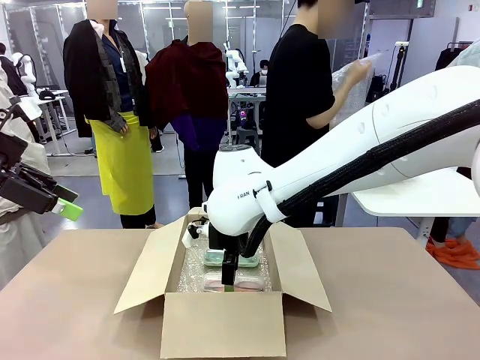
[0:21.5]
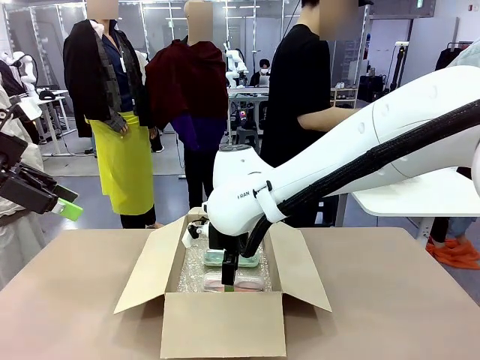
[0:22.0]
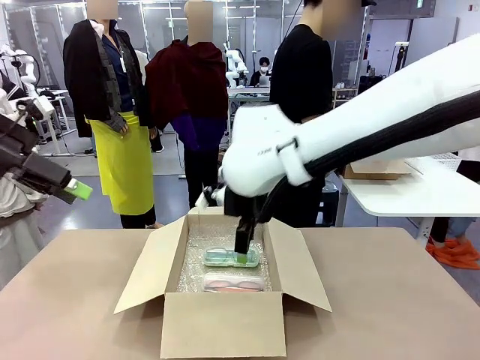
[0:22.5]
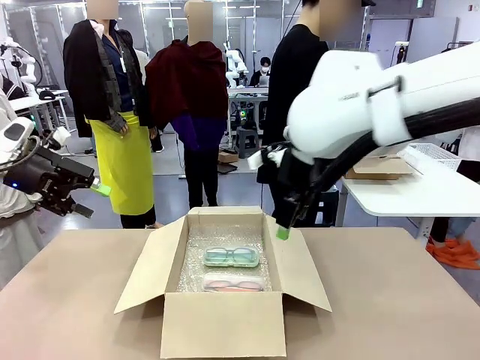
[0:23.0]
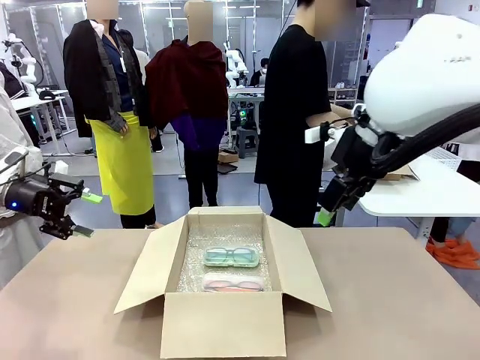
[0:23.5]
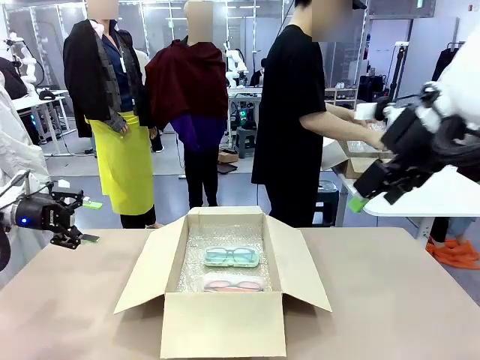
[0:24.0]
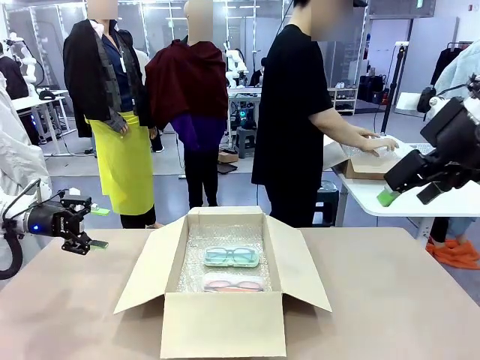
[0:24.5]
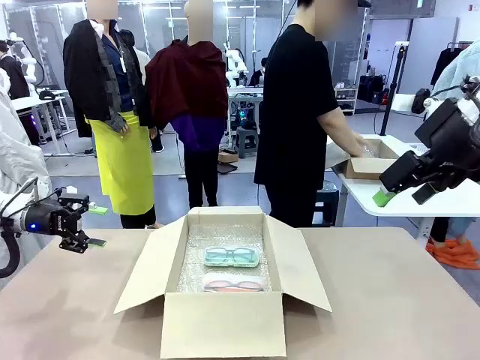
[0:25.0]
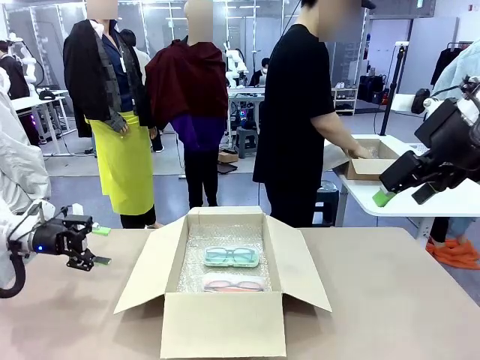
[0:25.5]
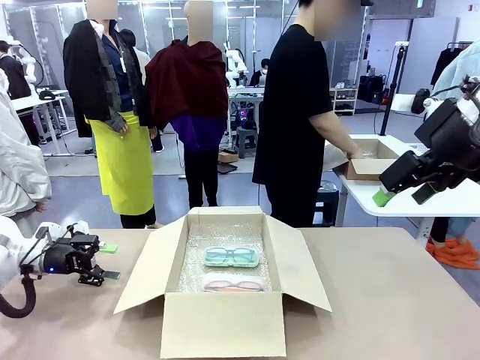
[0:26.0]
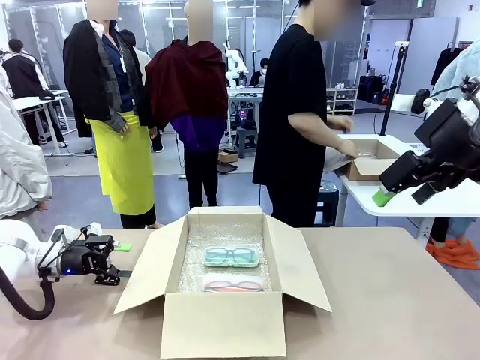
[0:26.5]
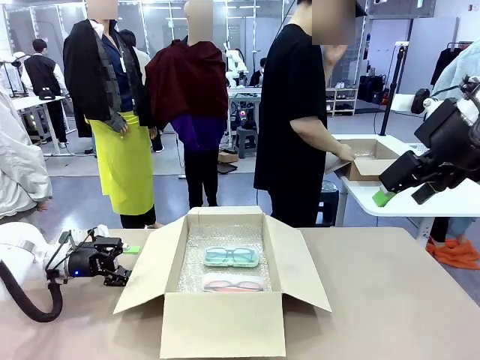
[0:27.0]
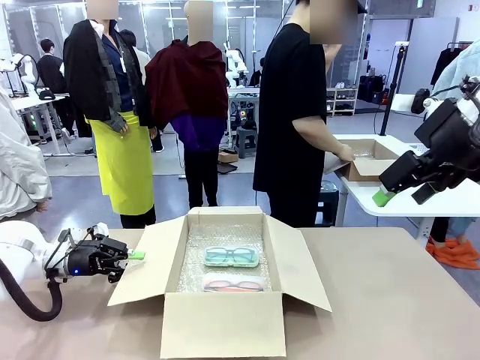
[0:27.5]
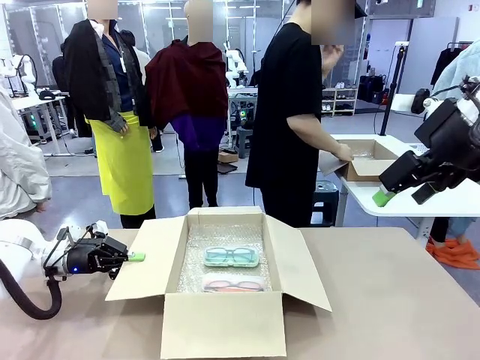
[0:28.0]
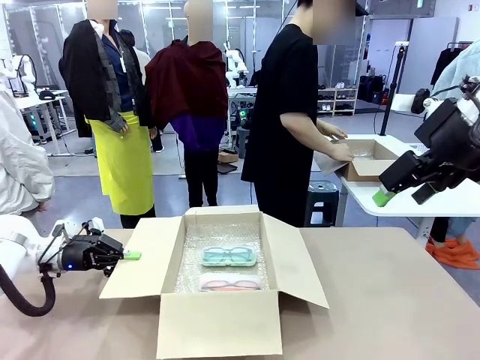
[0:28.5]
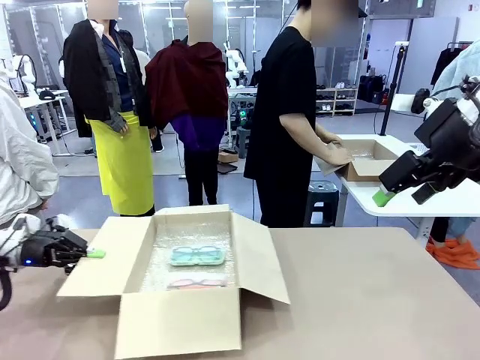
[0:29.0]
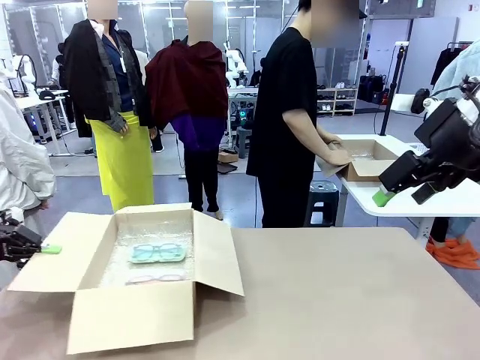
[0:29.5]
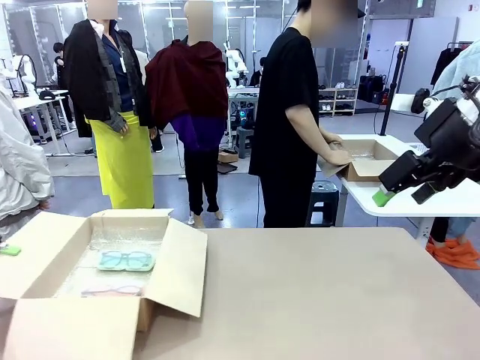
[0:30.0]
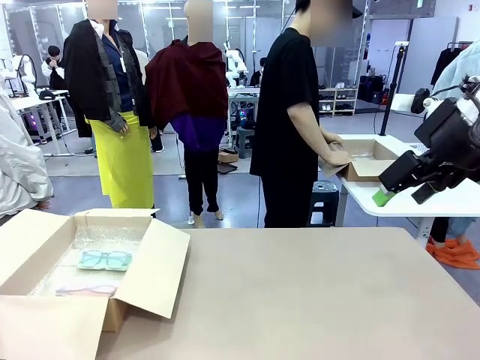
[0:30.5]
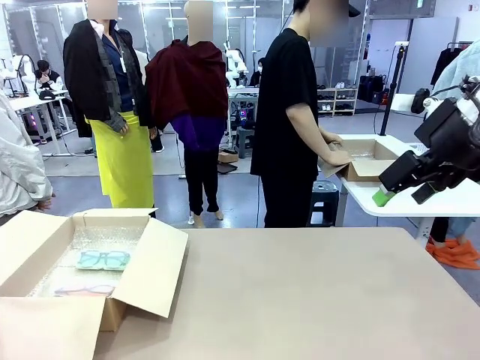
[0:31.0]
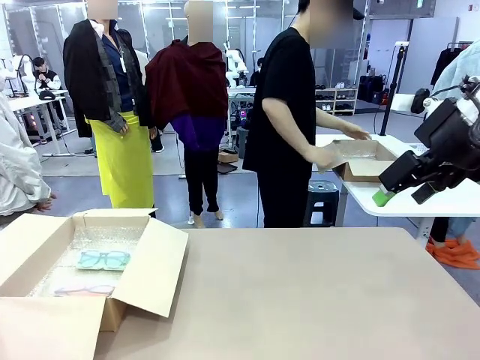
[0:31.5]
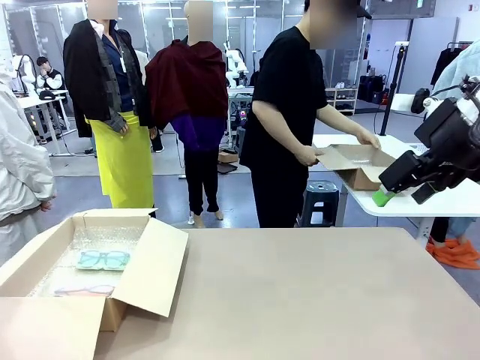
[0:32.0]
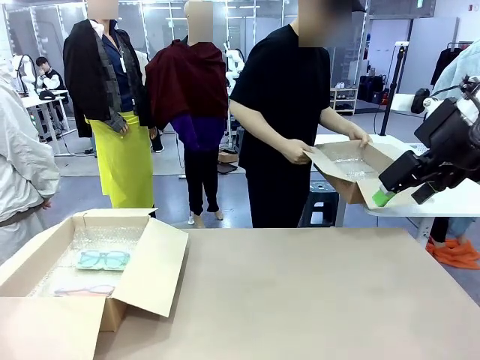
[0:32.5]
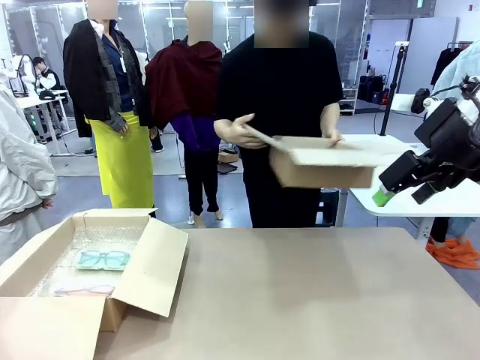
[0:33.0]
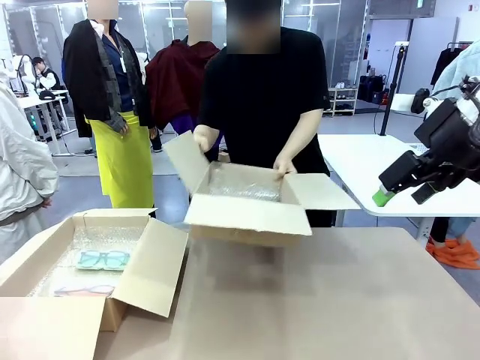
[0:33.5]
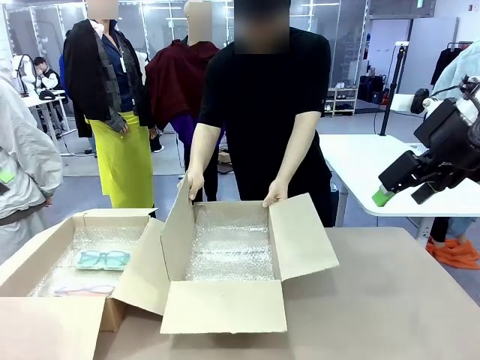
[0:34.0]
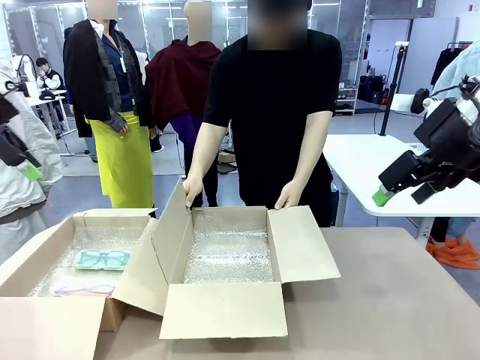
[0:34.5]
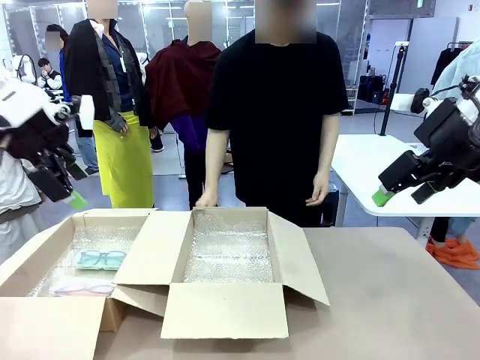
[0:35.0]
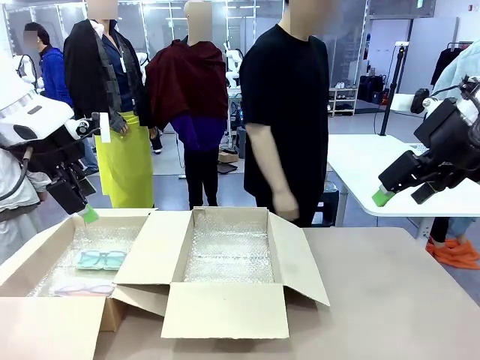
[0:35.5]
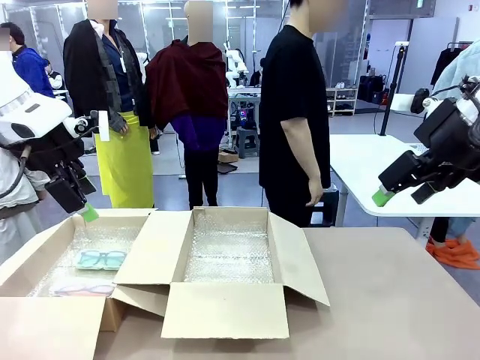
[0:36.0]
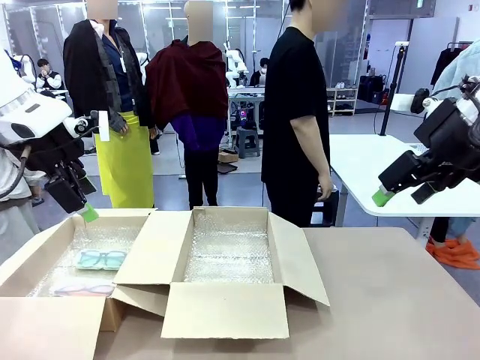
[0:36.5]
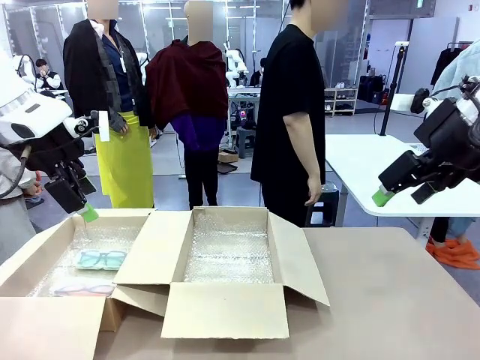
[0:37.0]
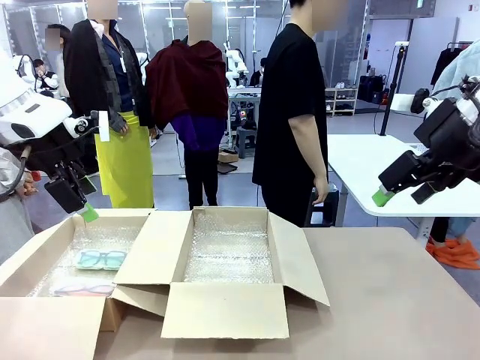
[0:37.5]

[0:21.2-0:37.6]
Task: Pack the glasses set securely to prepare it for shipping.
Robot: Position the Package Box on the left side of the table.
Person: Position the empty Package Box in the middle of the robot's table.
